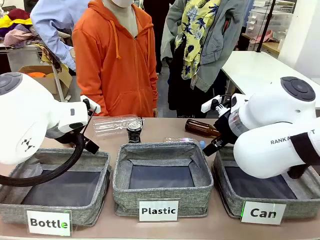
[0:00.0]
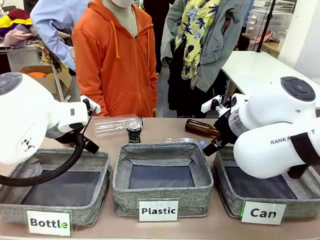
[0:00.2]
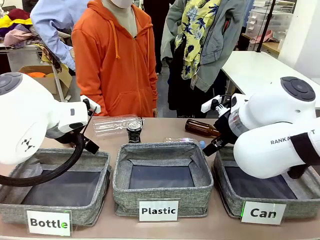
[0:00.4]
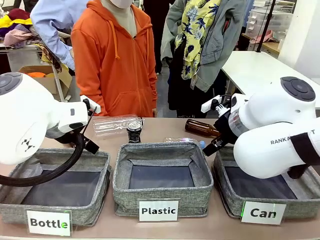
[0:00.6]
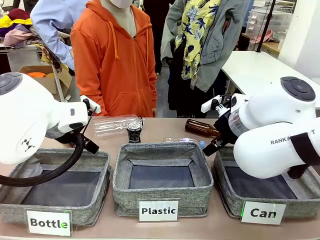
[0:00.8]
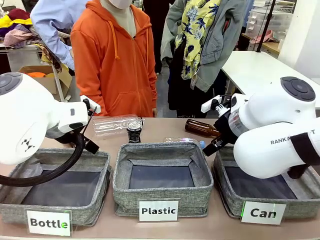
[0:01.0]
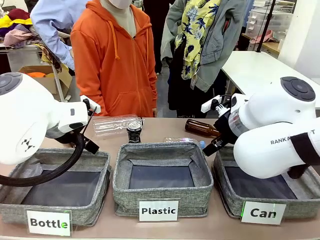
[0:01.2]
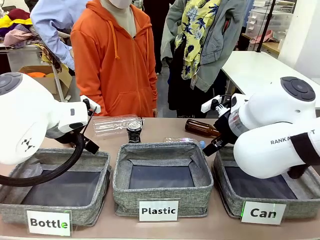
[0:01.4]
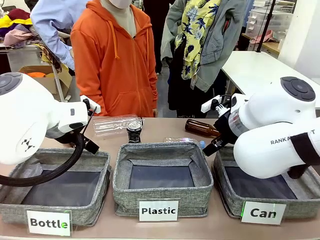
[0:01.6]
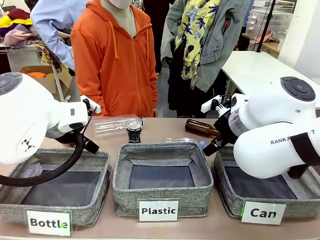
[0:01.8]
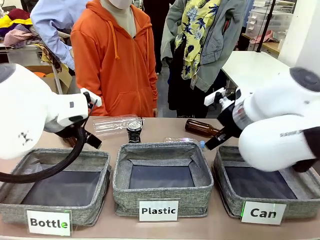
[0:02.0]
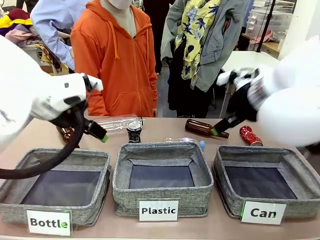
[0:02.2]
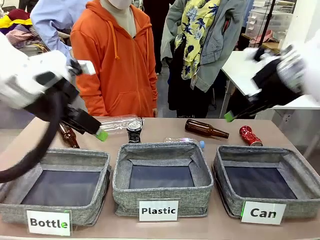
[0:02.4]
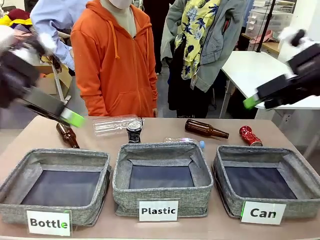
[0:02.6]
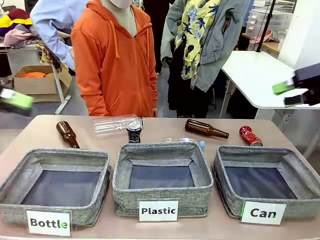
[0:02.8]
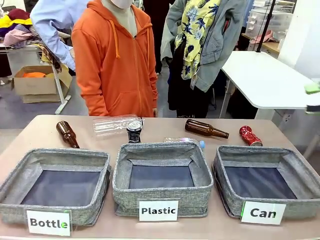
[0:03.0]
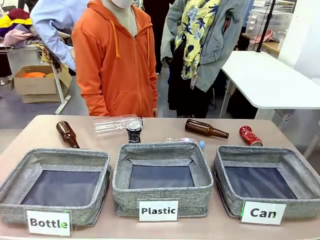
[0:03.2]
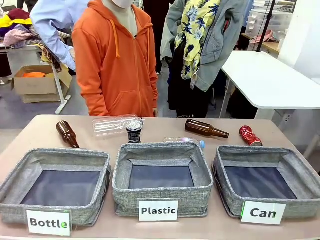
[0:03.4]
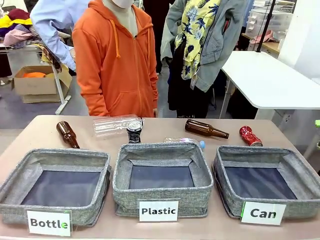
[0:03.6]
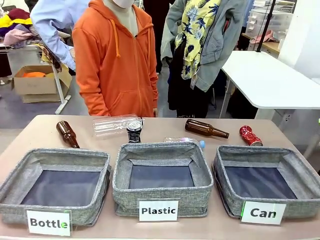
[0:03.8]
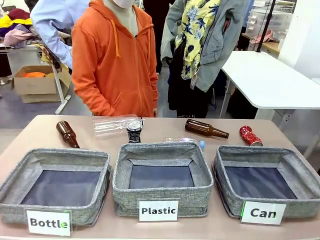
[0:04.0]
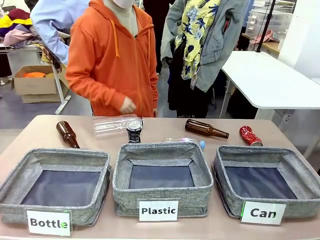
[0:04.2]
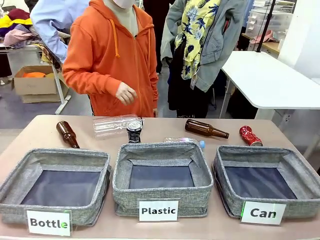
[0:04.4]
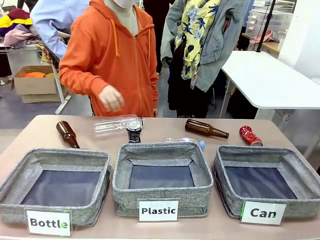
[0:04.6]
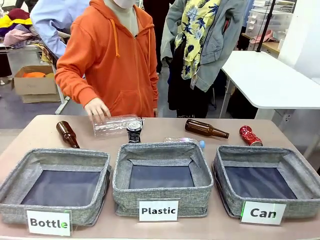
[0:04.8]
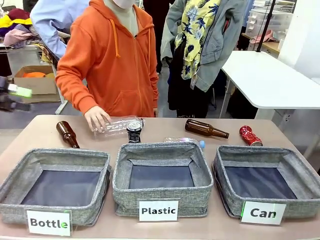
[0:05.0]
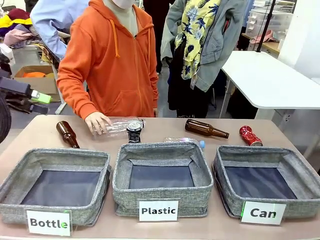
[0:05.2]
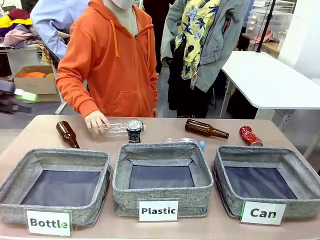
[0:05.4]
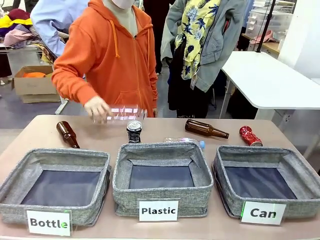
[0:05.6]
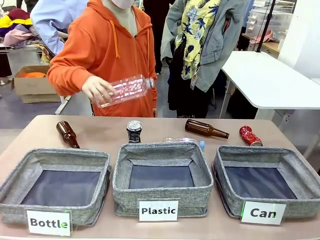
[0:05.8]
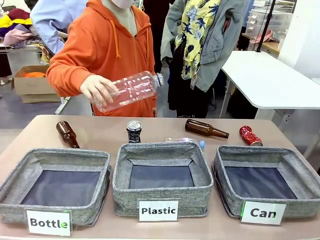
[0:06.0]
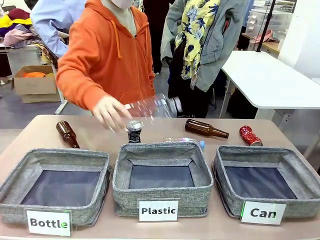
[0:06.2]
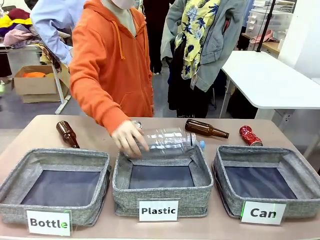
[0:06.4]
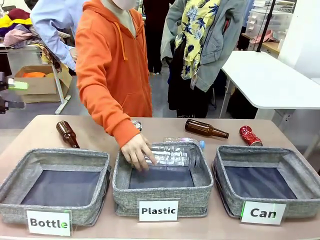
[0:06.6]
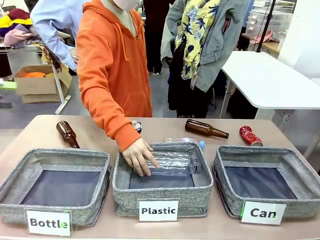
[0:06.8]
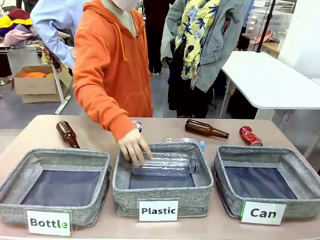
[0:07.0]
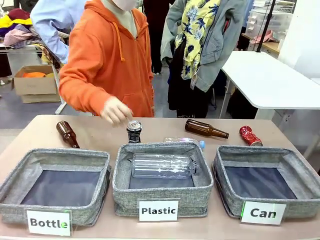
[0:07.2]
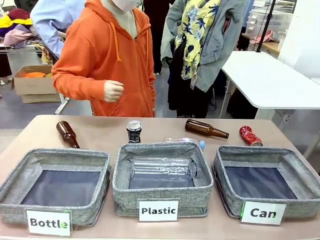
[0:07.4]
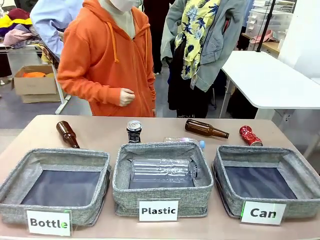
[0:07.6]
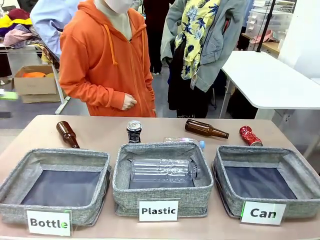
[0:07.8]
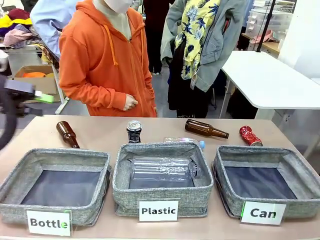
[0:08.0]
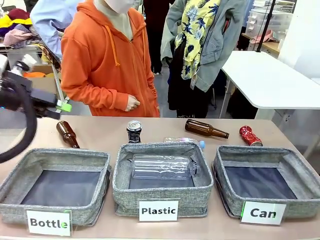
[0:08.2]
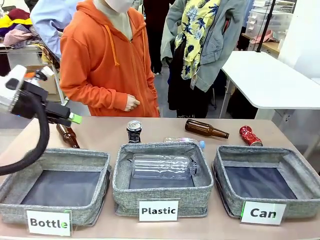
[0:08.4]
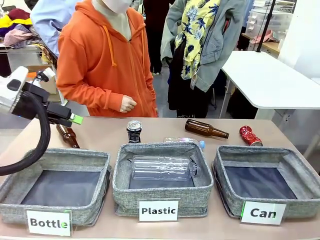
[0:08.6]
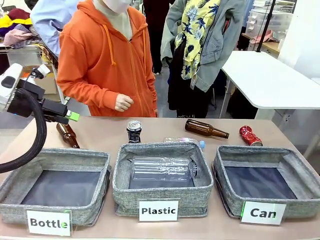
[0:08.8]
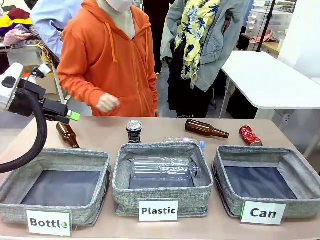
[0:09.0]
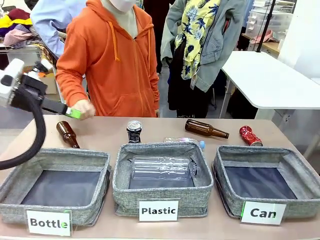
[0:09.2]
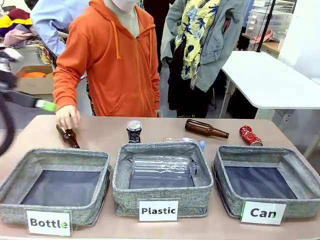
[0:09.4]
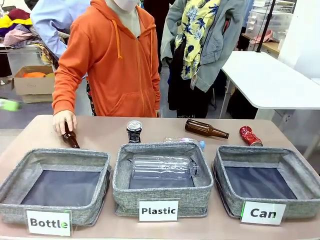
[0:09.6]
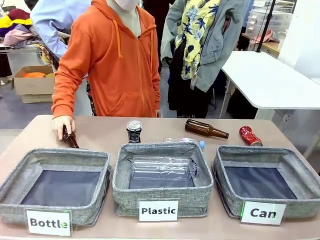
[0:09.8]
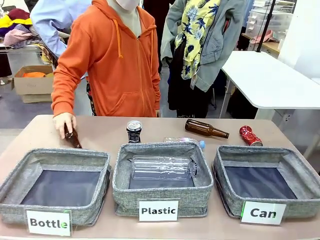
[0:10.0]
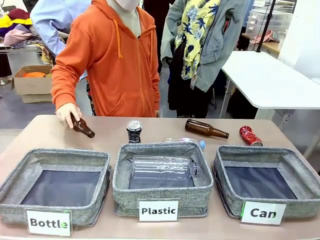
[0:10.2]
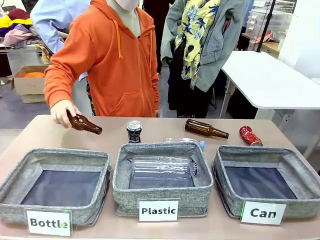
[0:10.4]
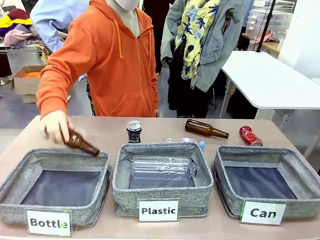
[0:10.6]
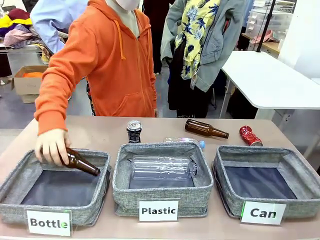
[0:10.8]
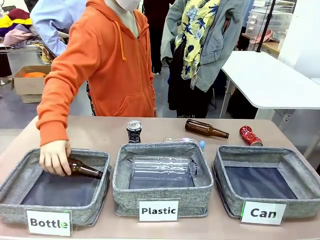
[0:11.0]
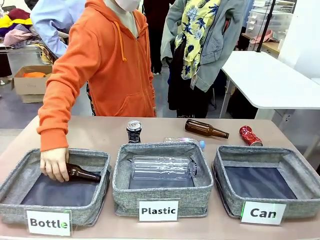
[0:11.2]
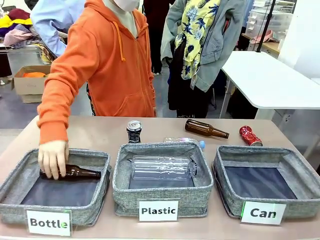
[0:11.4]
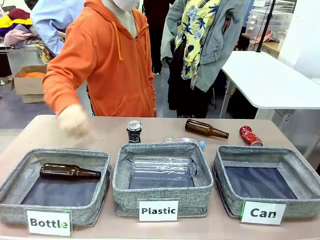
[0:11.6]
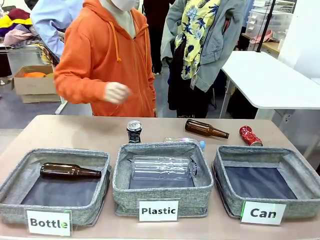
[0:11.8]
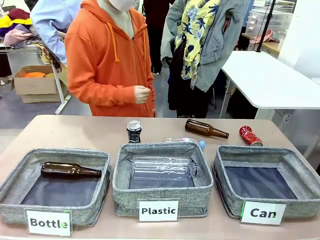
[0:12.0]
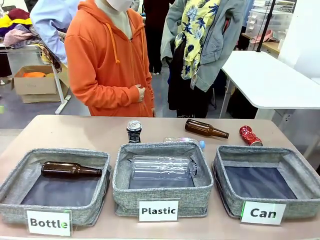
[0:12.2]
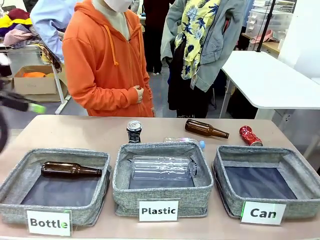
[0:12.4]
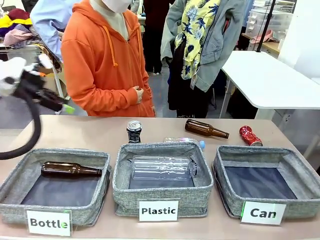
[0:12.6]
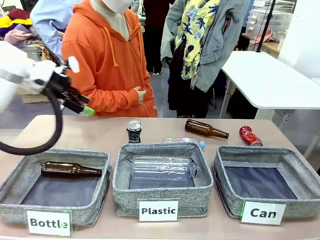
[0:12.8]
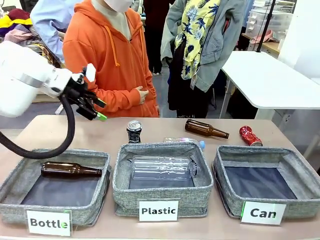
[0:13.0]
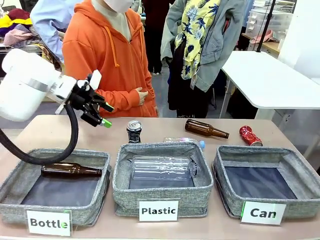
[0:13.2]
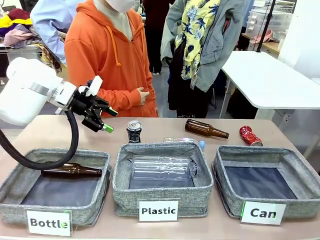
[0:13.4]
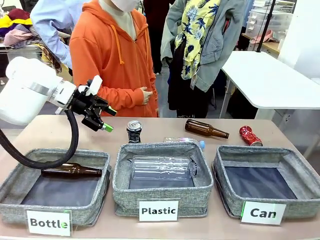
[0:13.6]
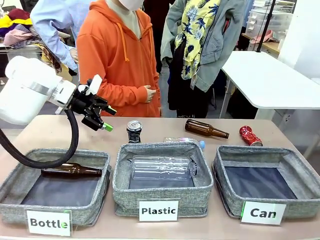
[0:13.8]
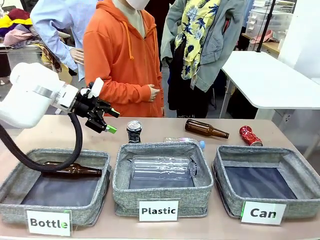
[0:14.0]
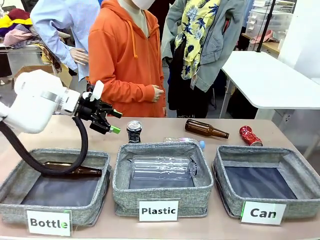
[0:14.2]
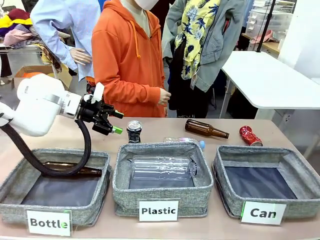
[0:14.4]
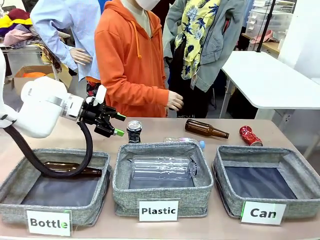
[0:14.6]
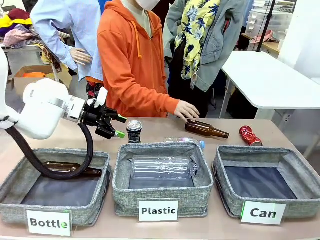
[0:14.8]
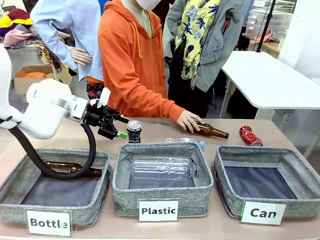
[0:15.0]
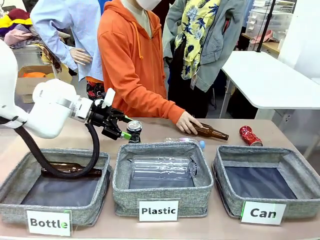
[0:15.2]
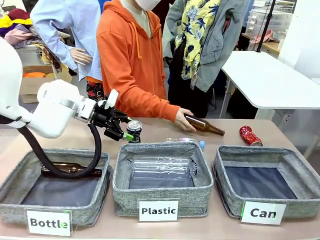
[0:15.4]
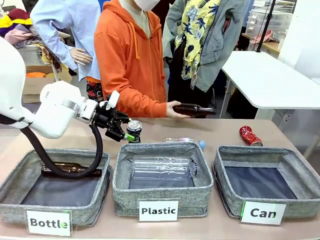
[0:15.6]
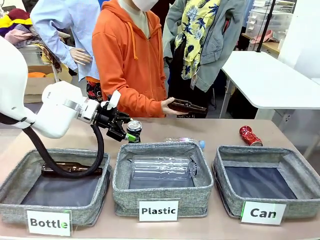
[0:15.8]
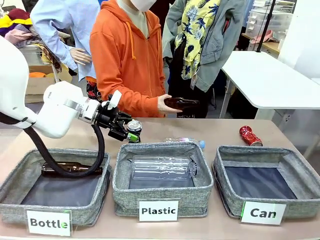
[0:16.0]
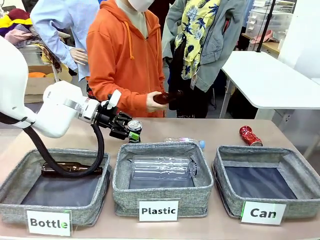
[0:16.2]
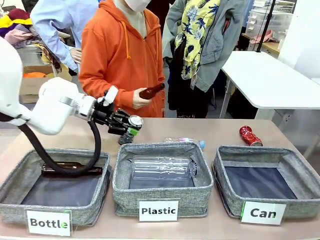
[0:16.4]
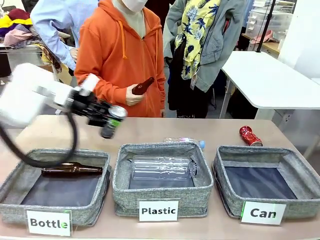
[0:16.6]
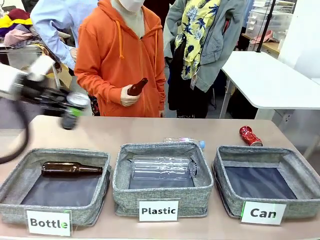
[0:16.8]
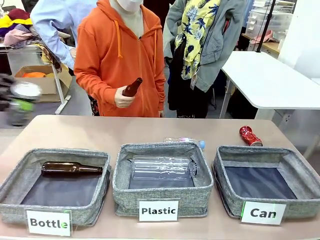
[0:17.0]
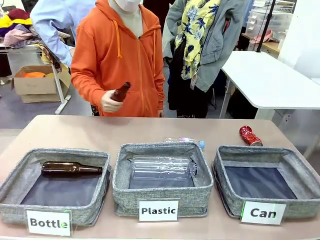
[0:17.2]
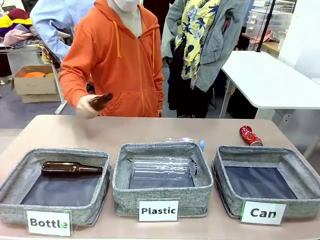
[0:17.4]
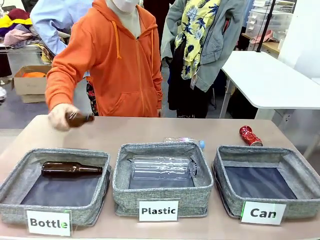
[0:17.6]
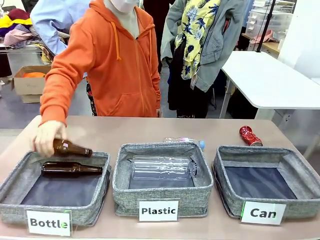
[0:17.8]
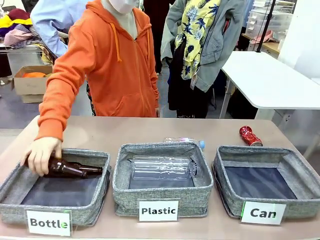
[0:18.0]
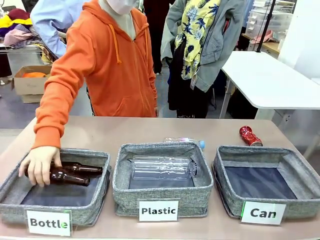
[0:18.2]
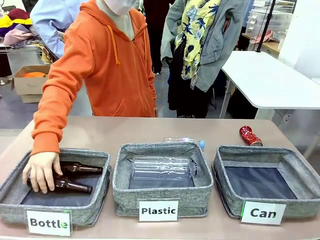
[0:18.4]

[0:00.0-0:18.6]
Task: Sort the can waste into the basket.
Robot: Pick up the can waste from the table and place it in the right Fabric basket.
